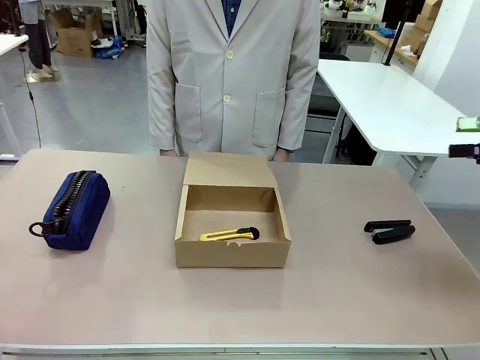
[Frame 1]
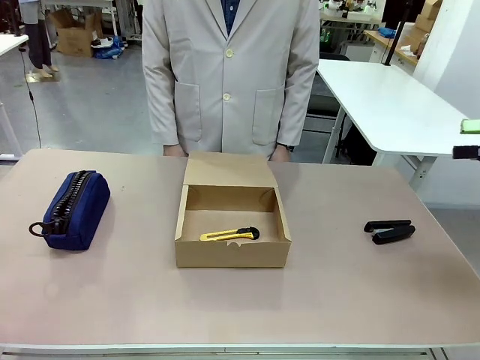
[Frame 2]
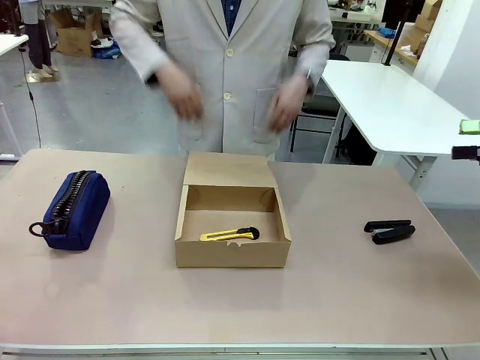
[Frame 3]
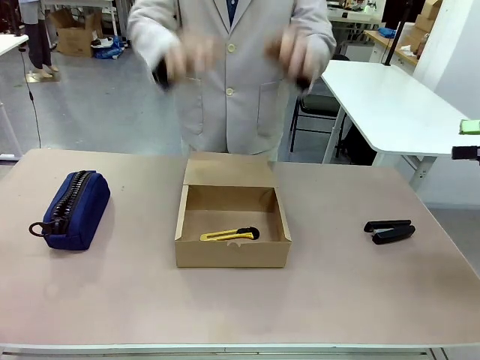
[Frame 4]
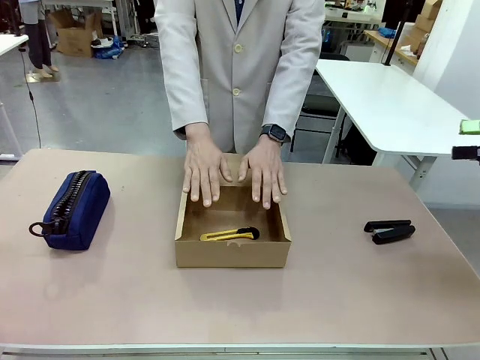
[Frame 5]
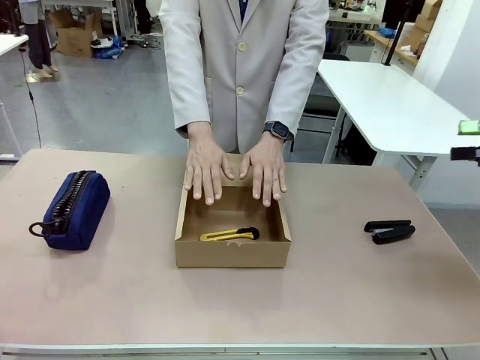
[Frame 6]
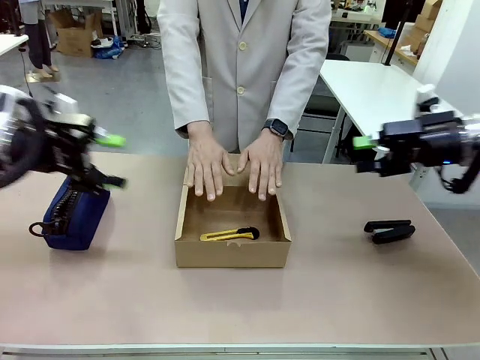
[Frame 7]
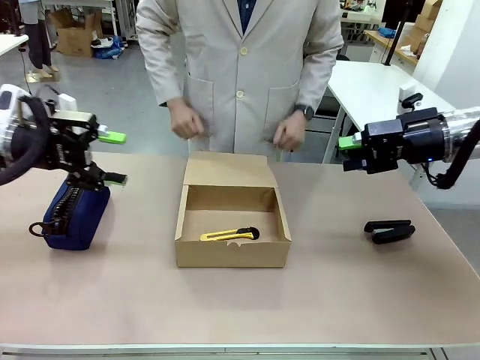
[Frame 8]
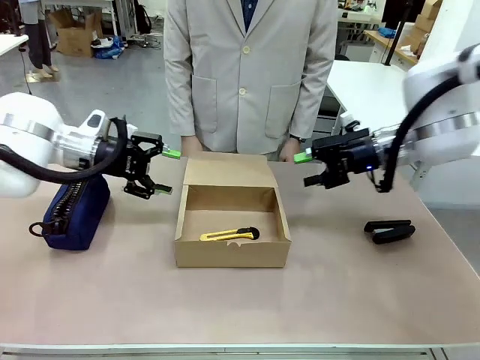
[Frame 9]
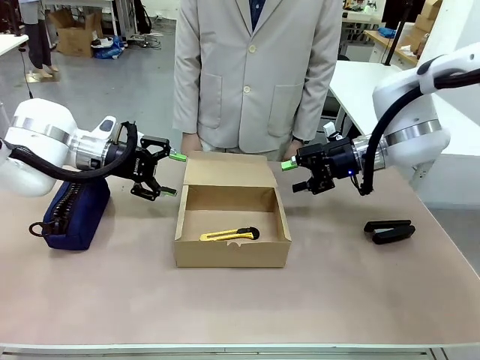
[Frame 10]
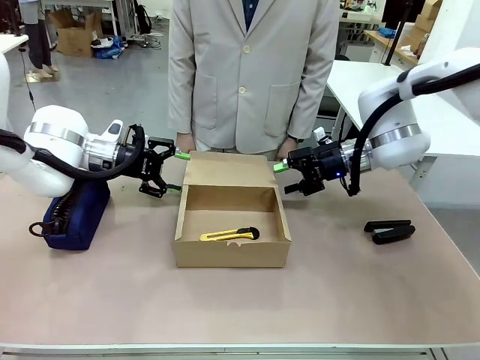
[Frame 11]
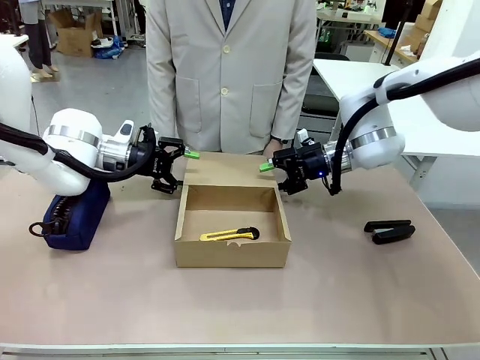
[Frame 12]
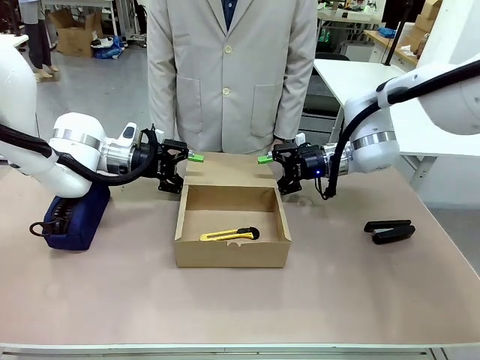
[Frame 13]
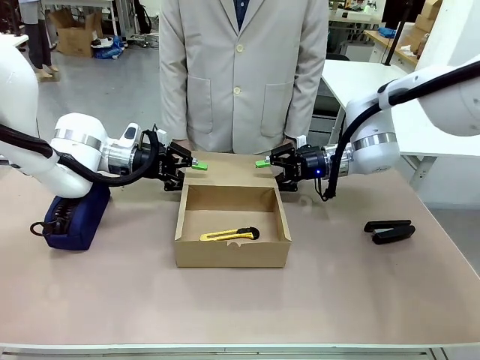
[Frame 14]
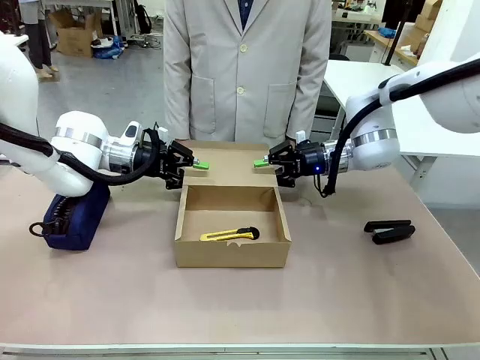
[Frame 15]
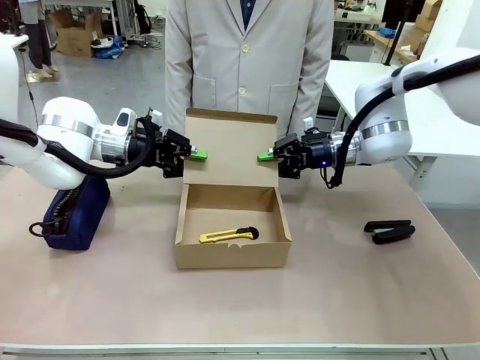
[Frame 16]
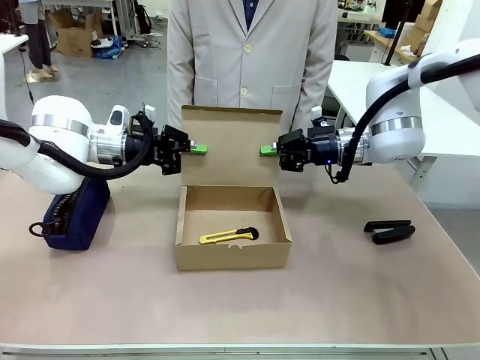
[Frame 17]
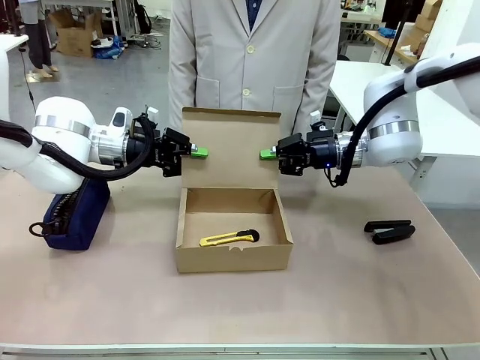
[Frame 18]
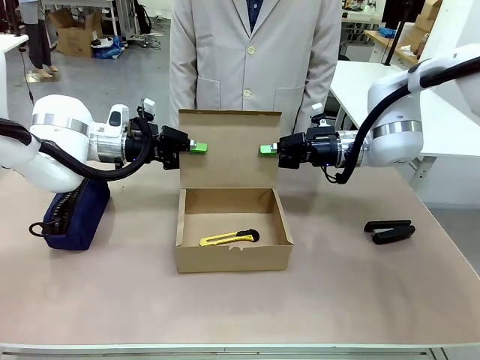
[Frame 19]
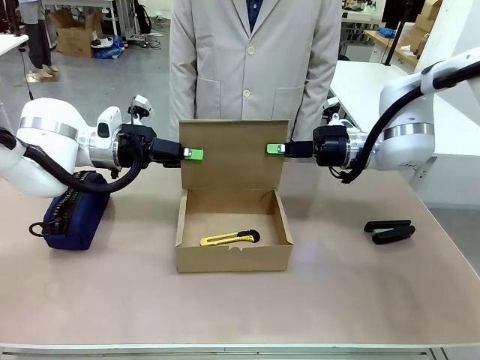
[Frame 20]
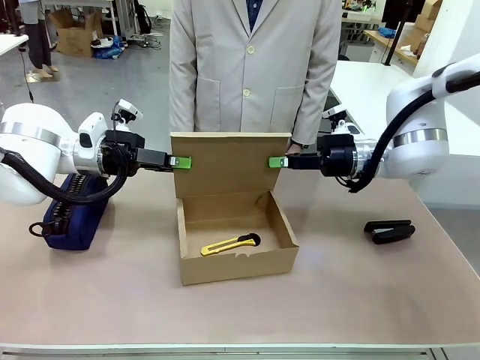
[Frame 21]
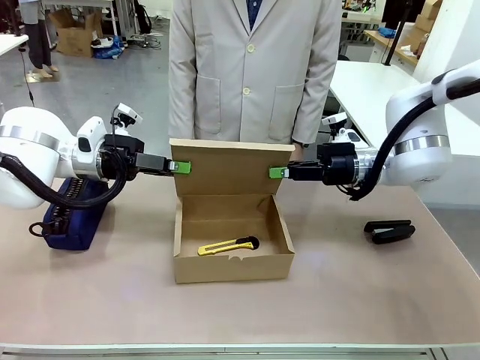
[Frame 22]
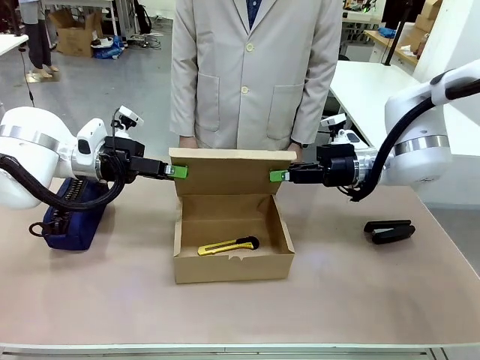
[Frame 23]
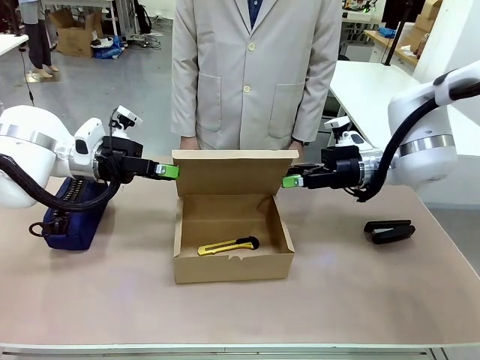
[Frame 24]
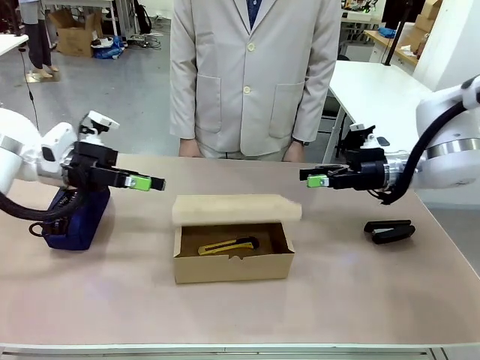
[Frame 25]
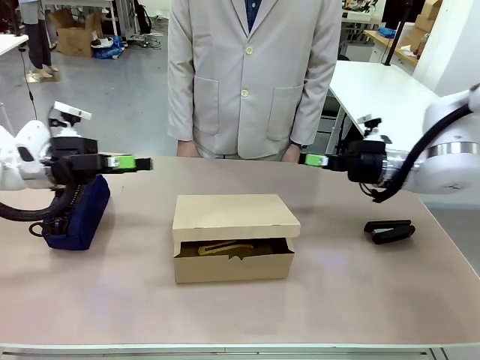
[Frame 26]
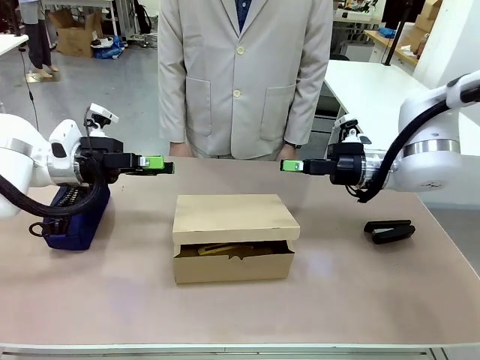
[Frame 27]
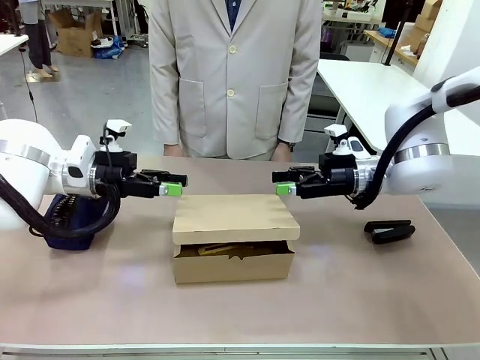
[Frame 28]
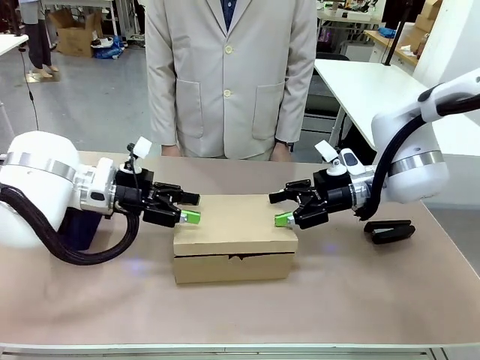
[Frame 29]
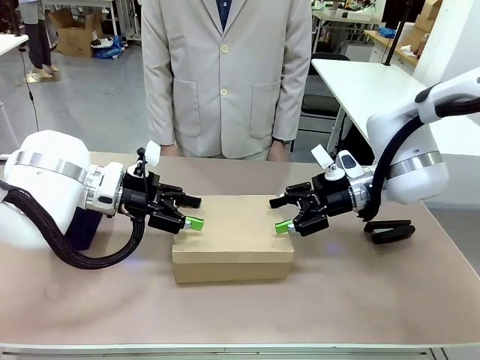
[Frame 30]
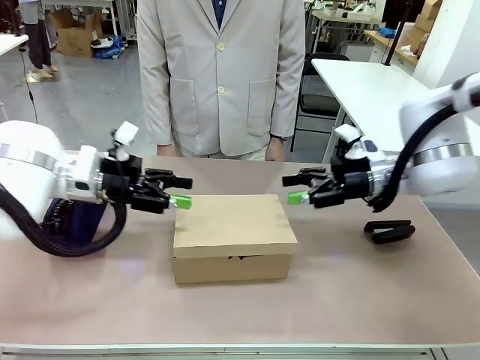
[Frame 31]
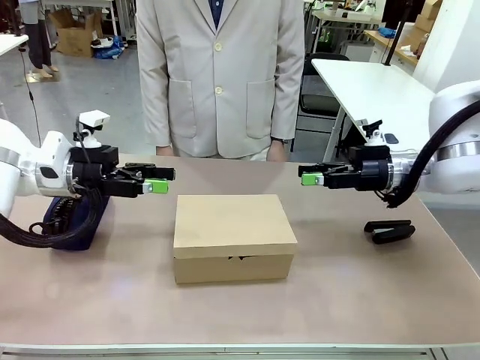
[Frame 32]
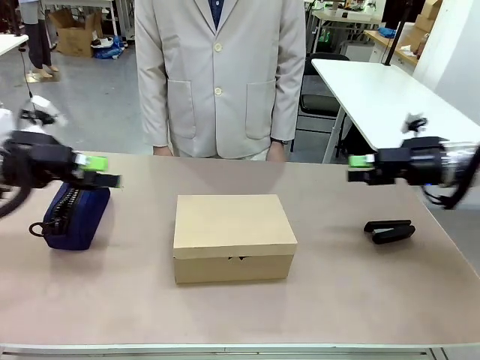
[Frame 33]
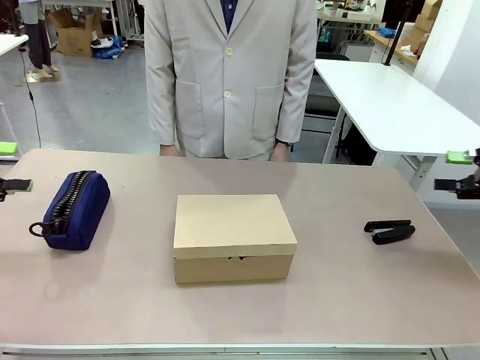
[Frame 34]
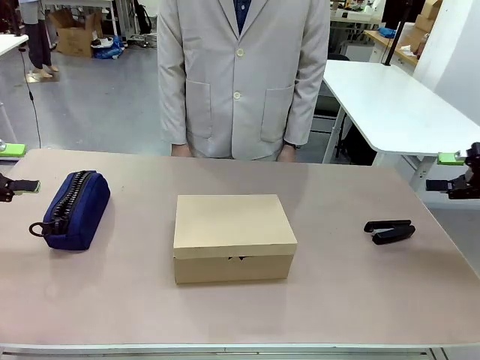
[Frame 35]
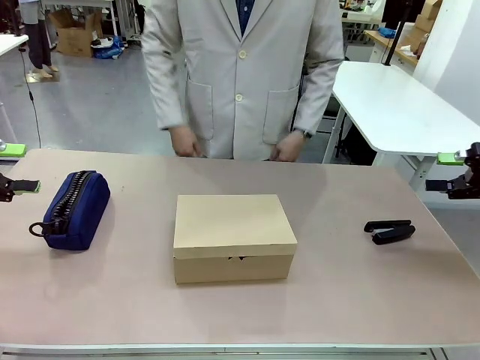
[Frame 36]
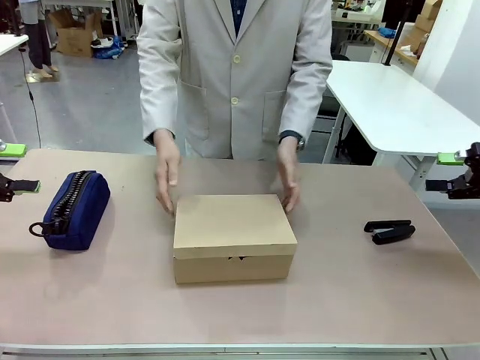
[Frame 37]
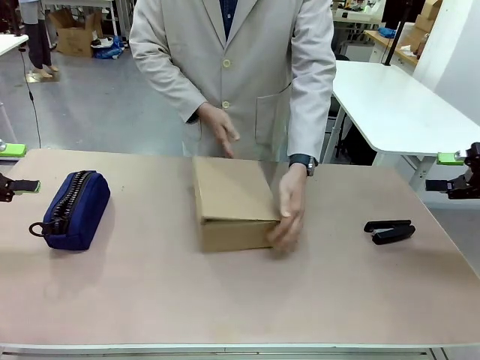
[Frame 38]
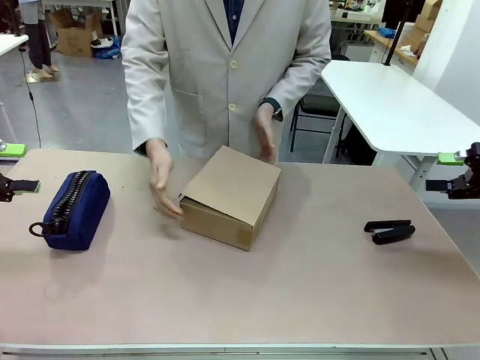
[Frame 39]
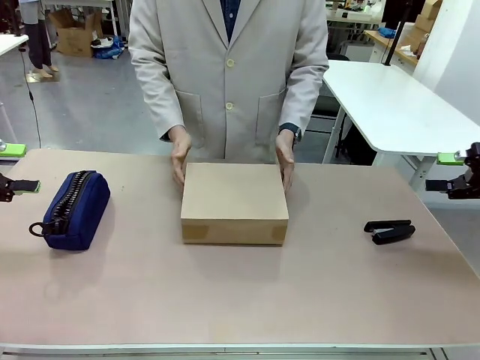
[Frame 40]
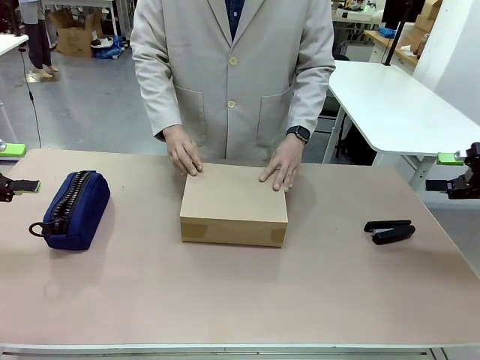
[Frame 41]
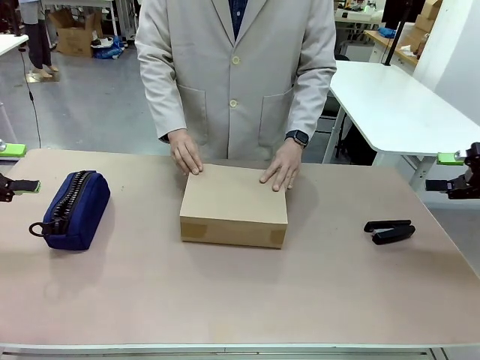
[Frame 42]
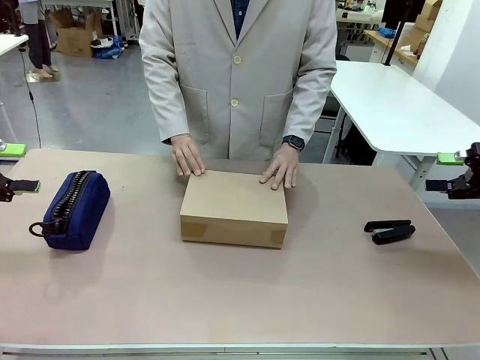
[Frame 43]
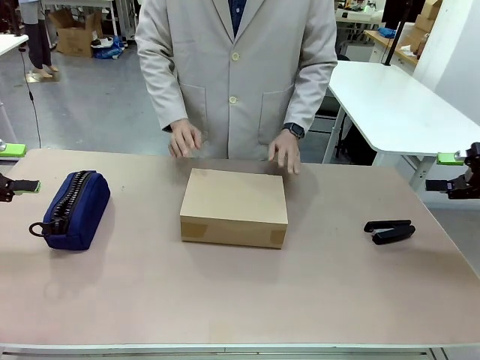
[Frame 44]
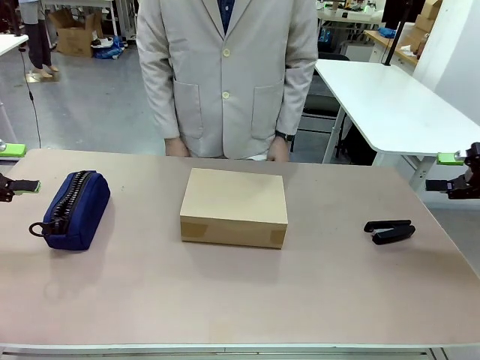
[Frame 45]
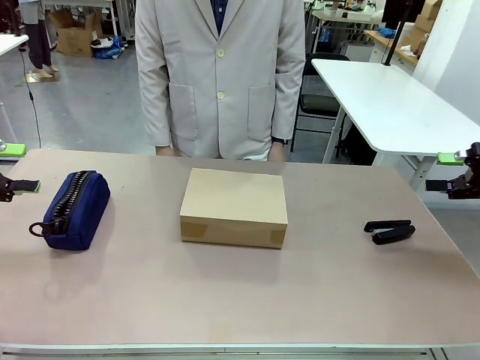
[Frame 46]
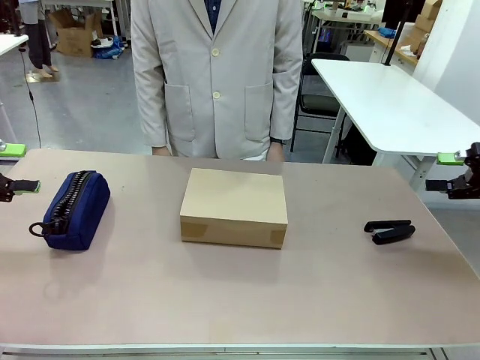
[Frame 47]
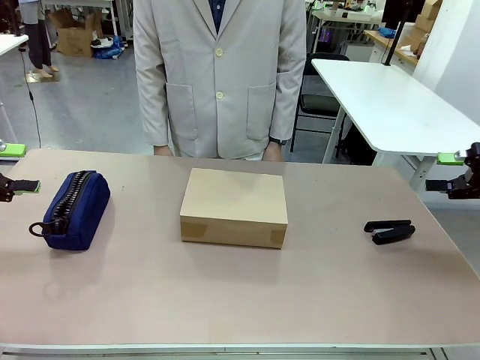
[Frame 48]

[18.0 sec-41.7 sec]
Task: Pack the item into the box.
Robot: Close the Mailer Box.
Person: Lower both hands vertically with palms facing downward, as if pressing something closed. Turn the box and lock it.

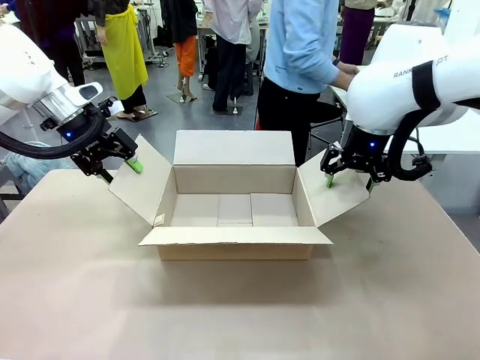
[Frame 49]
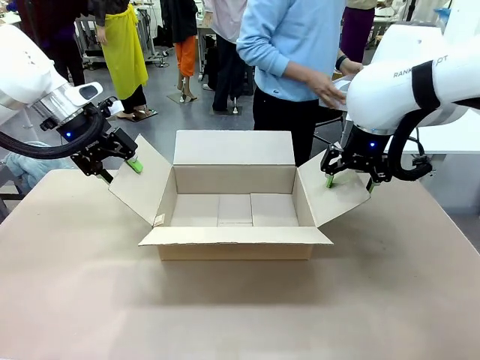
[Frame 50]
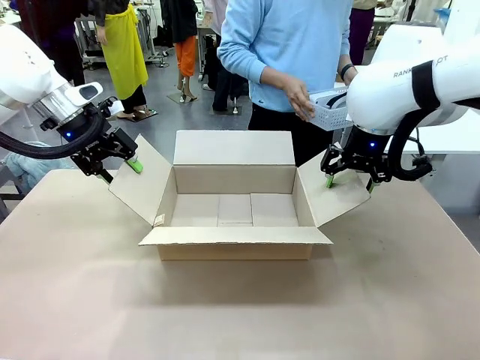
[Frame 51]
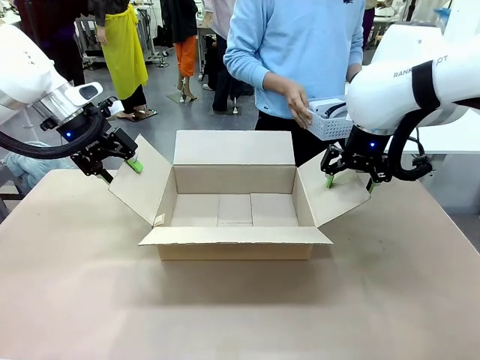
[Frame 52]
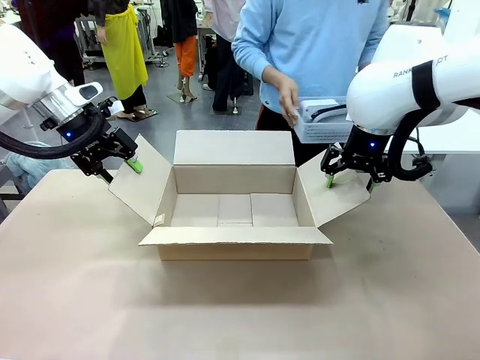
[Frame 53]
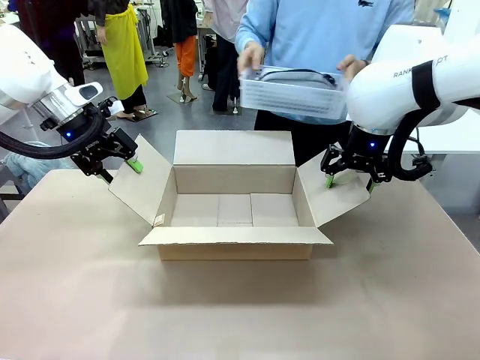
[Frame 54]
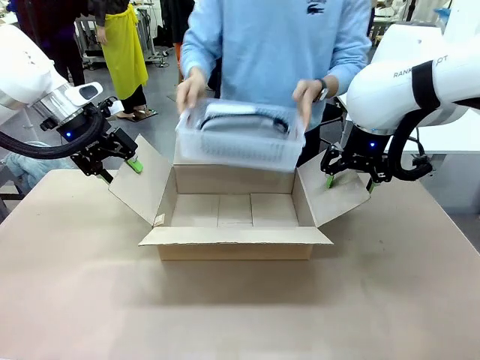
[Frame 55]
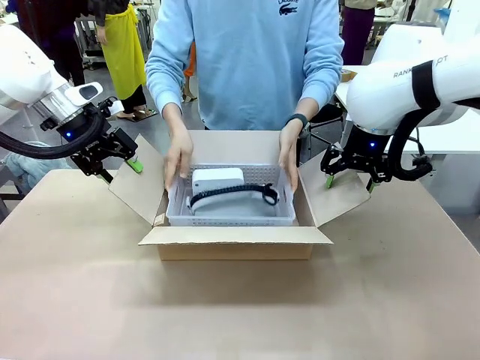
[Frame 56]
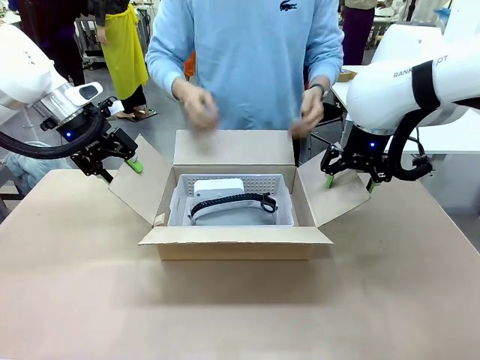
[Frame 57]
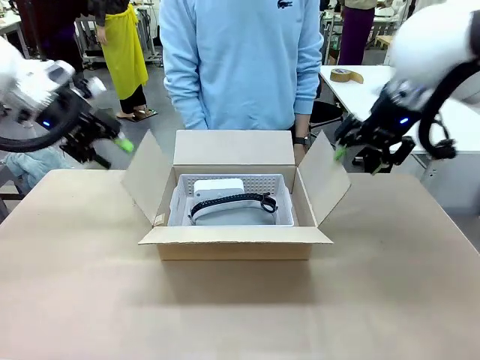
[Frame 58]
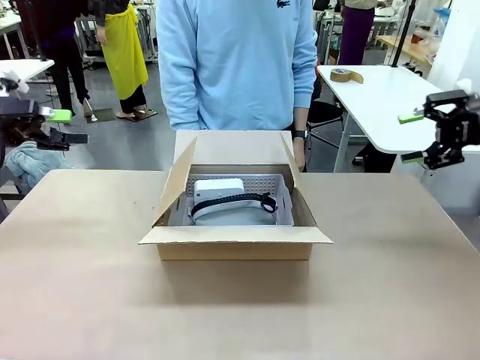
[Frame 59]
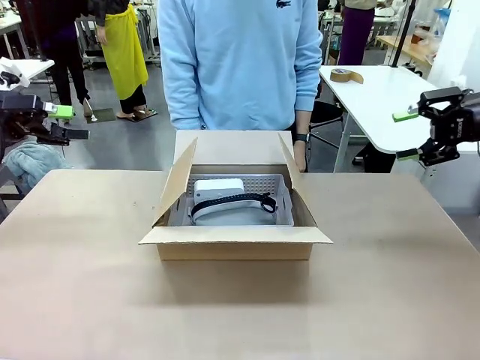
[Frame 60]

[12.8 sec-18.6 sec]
Task: Pack the gift set into the box.
Robot: Lift both hands away from the flaps of the Package Box.
Person: The human picks up the organizing basket and places the organizing basket into the package box on the robot table.
